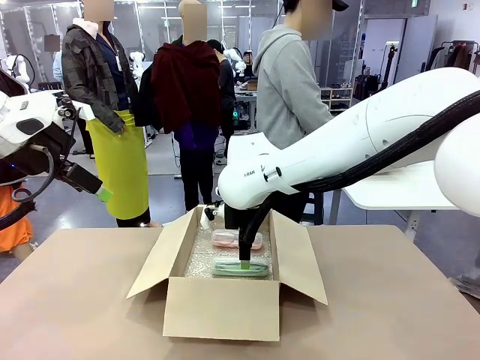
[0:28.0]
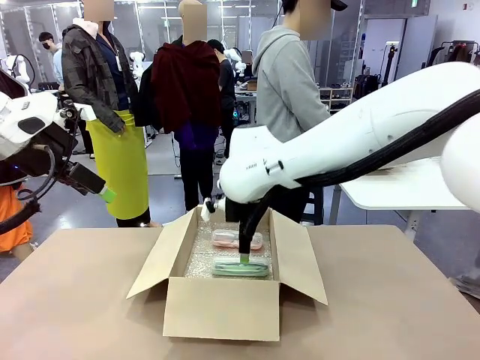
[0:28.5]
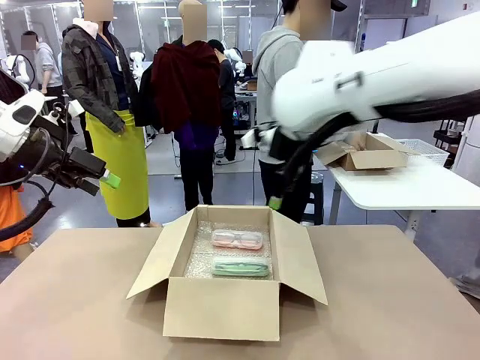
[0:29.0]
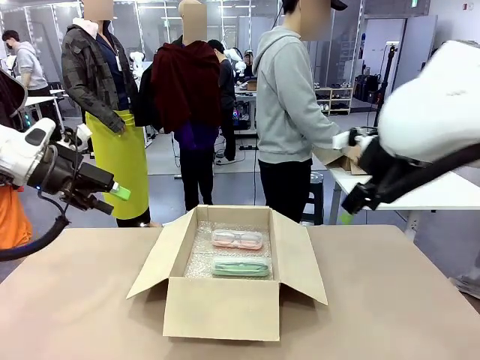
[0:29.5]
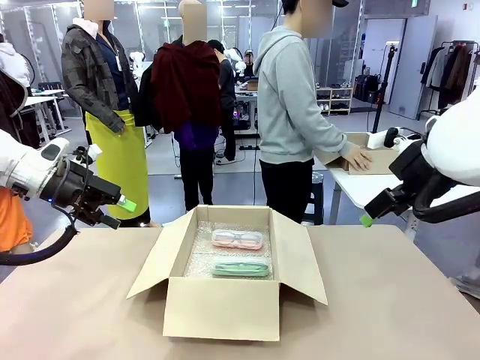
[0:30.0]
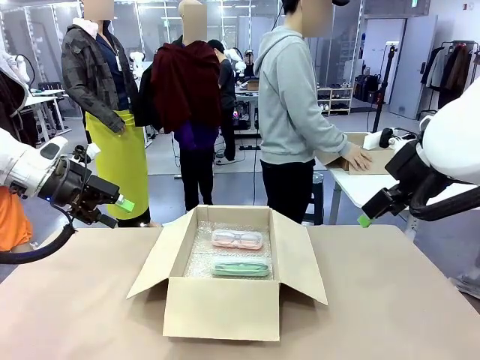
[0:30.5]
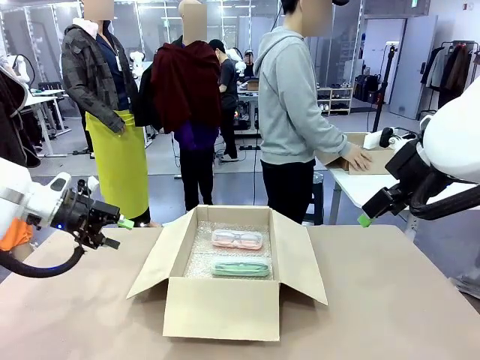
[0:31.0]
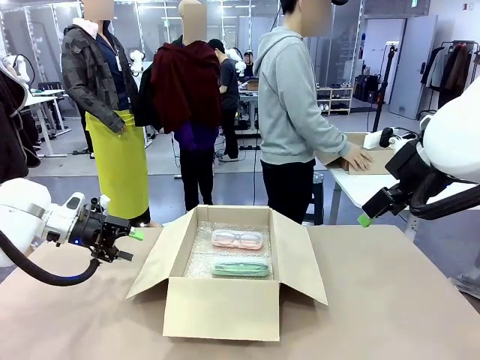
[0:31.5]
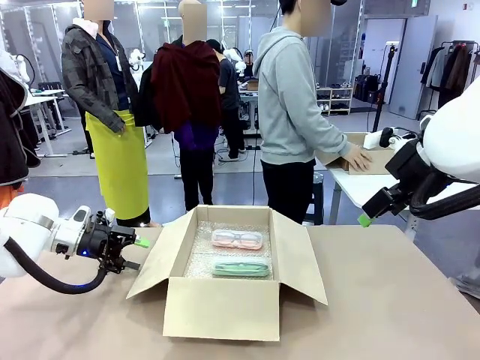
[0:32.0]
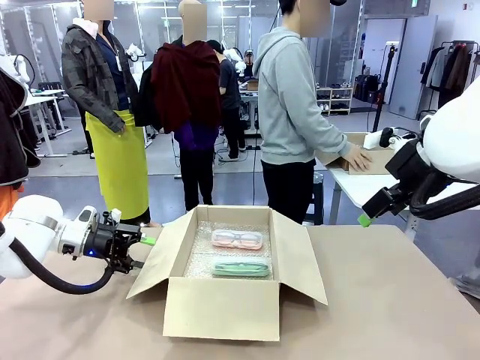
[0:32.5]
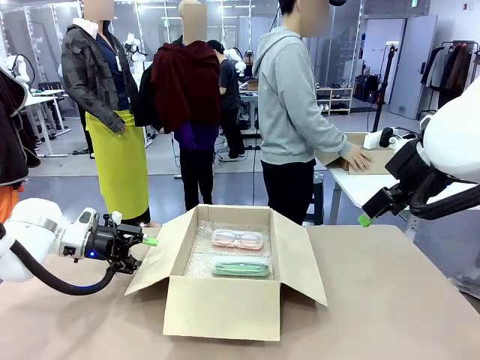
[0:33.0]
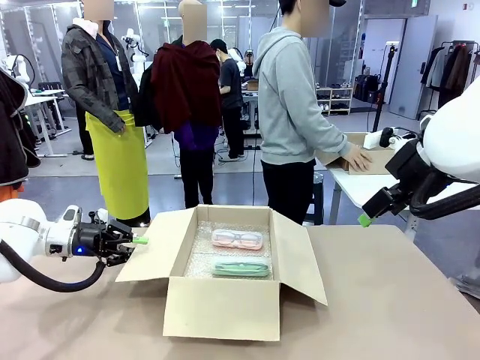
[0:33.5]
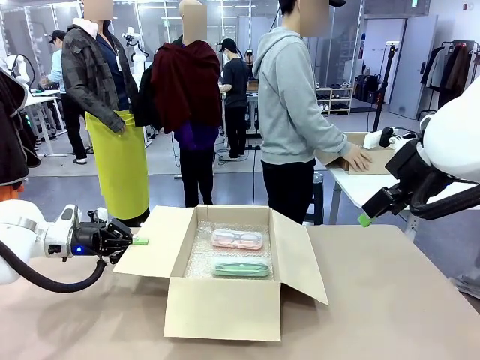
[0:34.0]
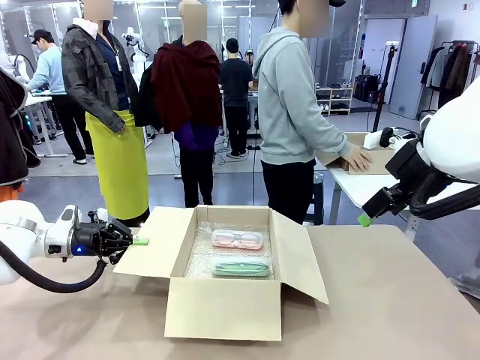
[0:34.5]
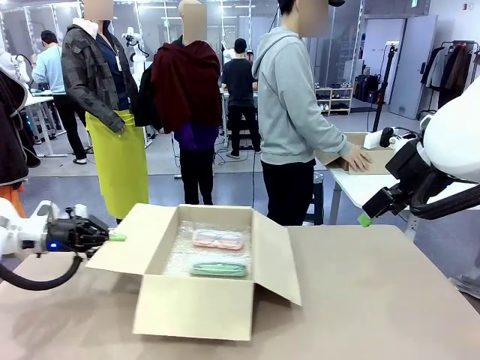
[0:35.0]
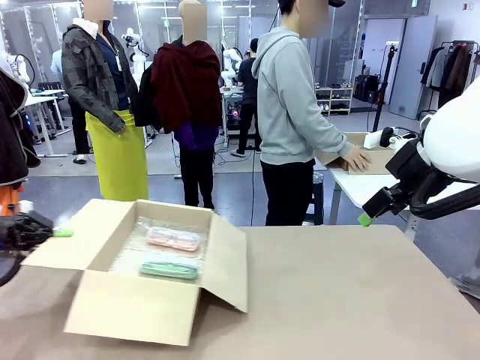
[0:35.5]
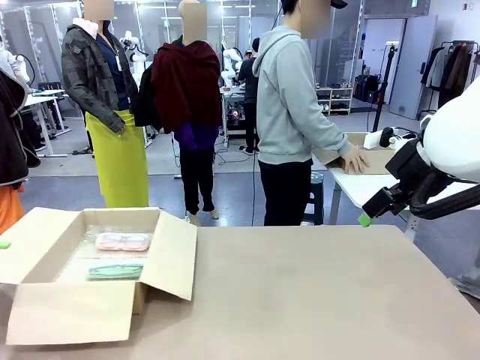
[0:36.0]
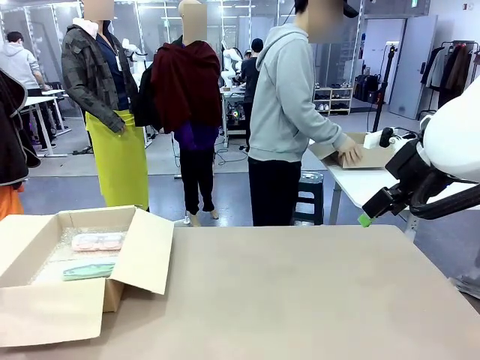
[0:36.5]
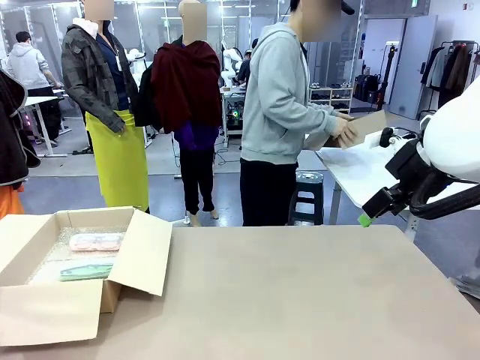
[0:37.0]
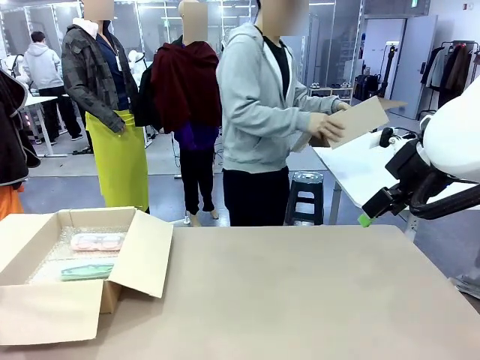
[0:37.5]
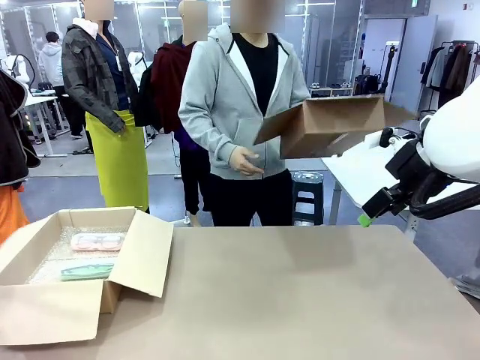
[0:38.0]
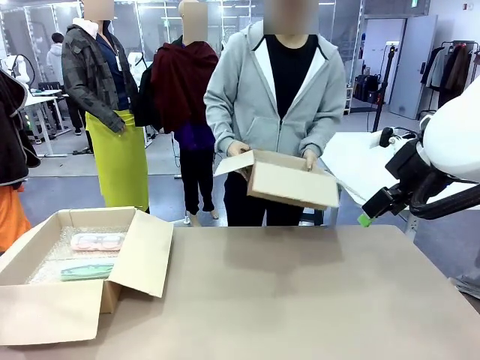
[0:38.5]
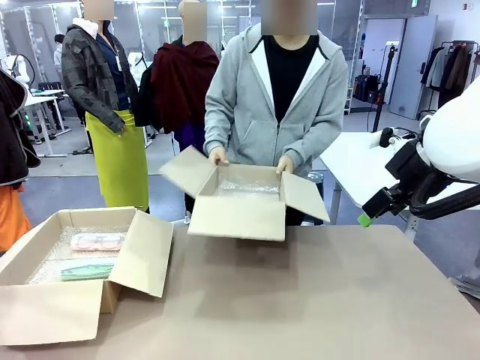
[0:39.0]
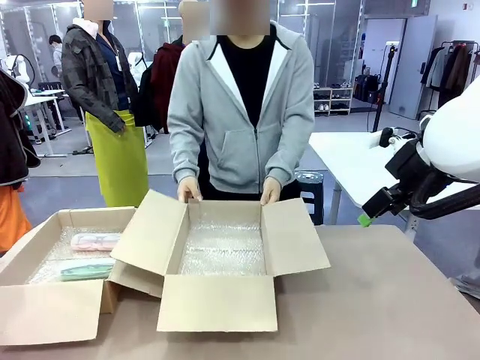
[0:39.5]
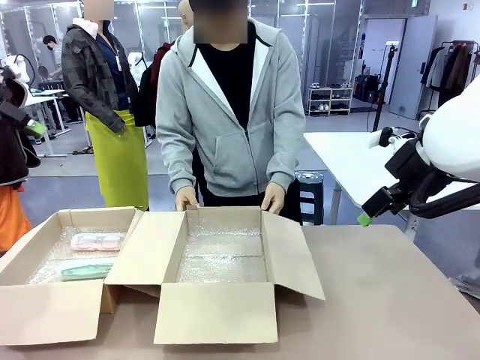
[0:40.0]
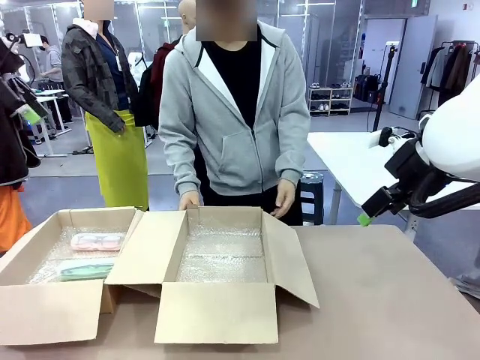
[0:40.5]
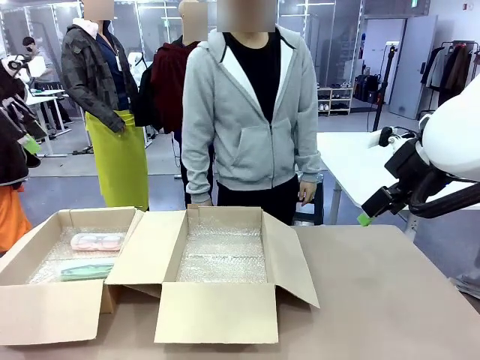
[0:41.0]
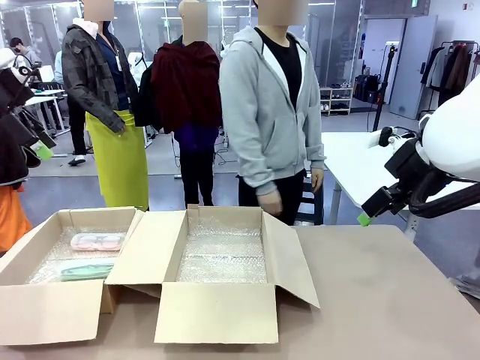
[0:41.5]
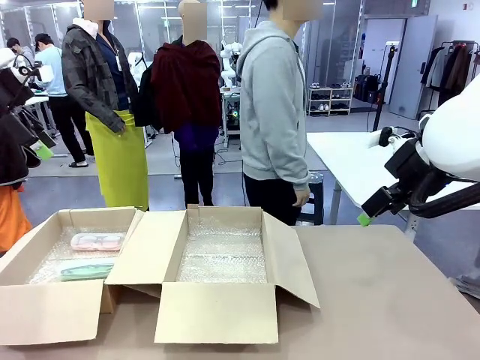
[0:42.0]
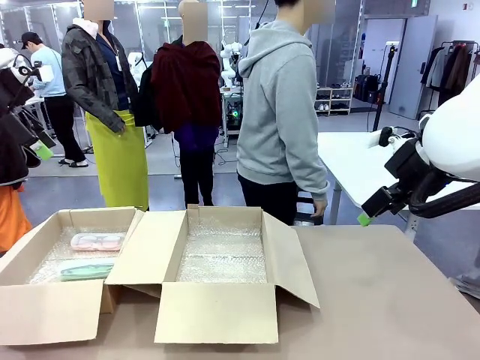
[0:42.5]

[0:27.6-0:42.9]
Task: Pack the glasses set securely to prepare it for shipping.
Robot: Position the Package Box on the left side of the table.
Person: Position the empty Package Box in the middle of the robot's table.

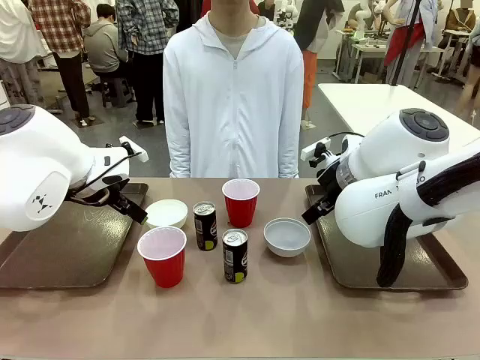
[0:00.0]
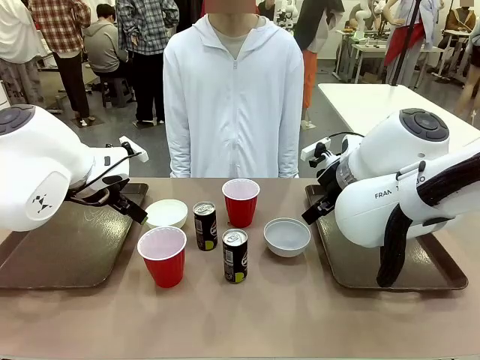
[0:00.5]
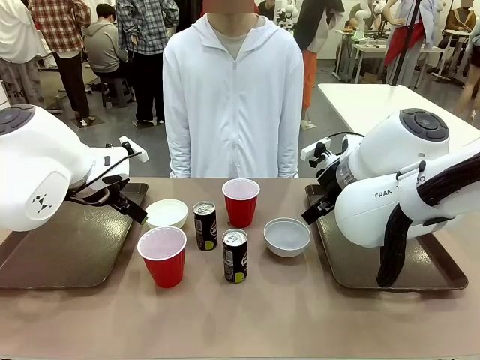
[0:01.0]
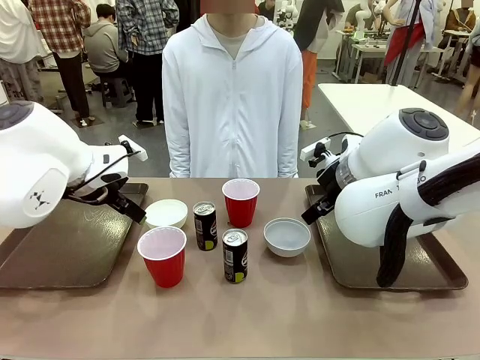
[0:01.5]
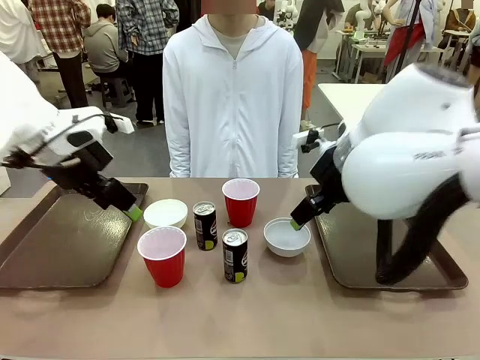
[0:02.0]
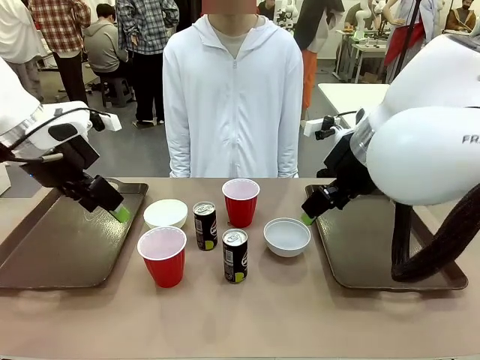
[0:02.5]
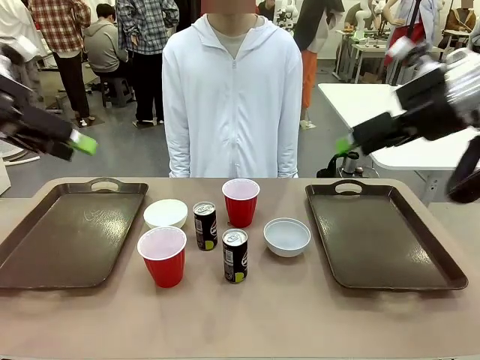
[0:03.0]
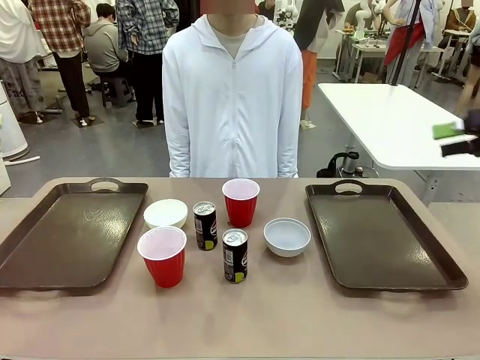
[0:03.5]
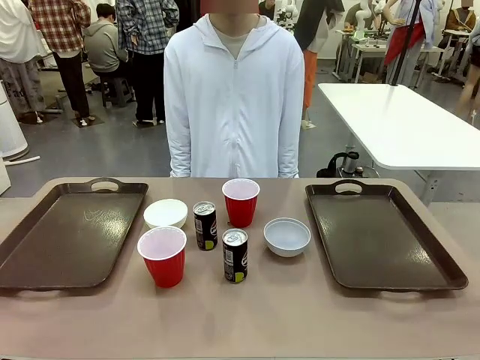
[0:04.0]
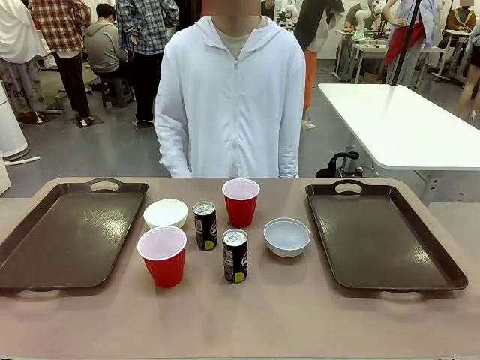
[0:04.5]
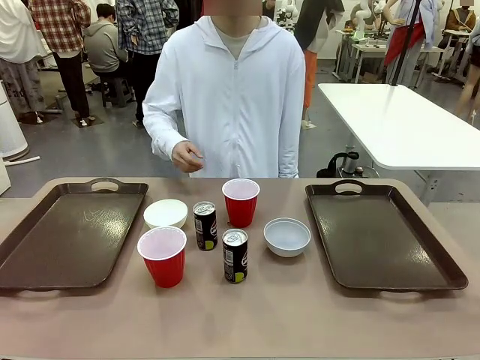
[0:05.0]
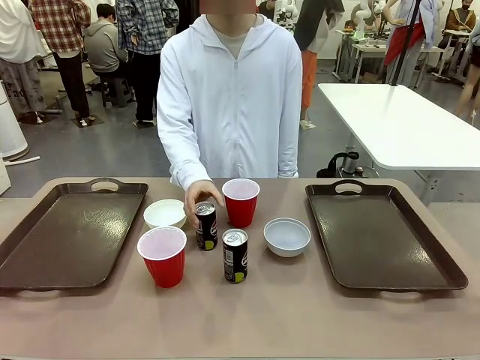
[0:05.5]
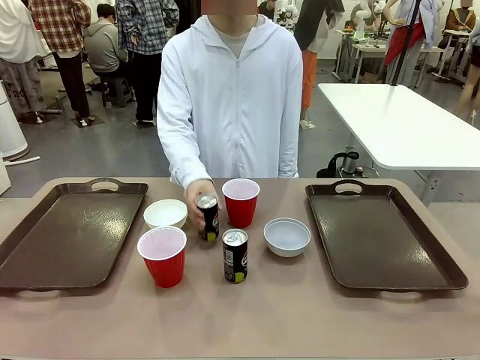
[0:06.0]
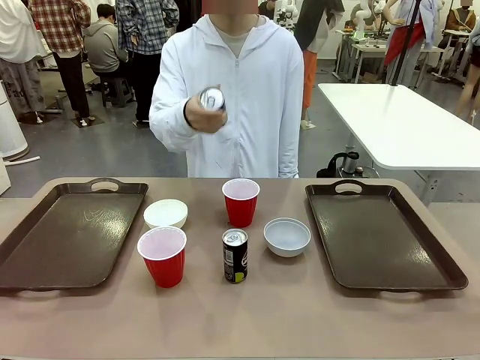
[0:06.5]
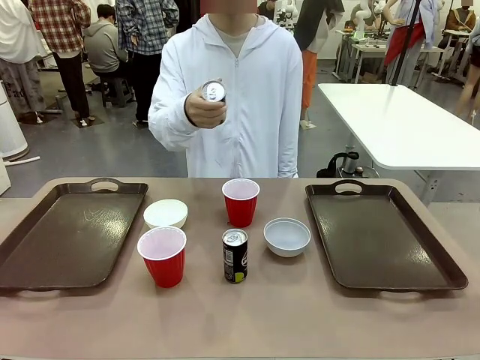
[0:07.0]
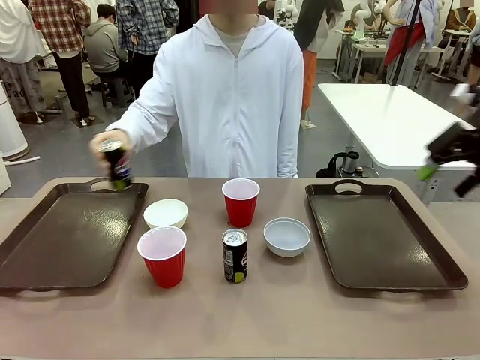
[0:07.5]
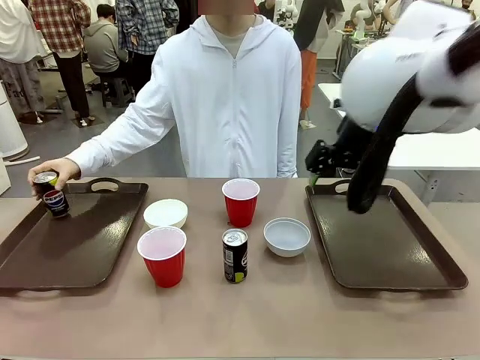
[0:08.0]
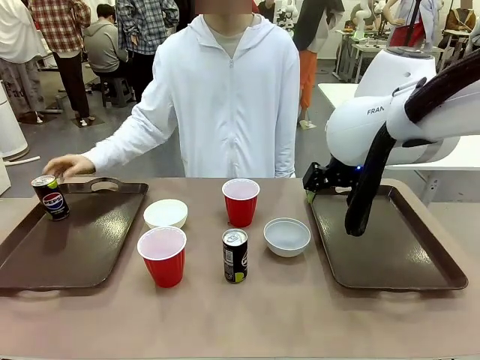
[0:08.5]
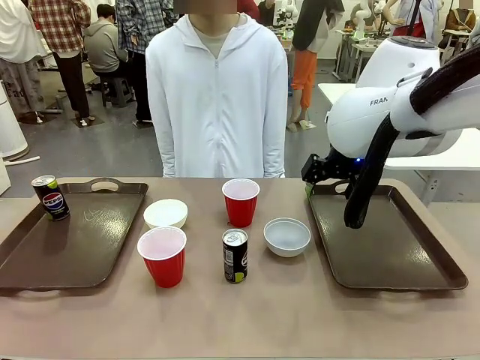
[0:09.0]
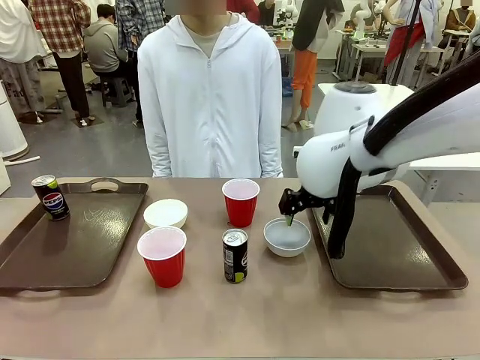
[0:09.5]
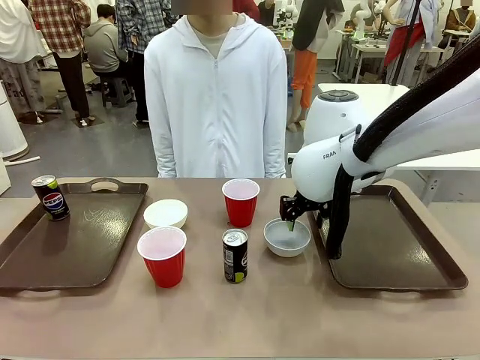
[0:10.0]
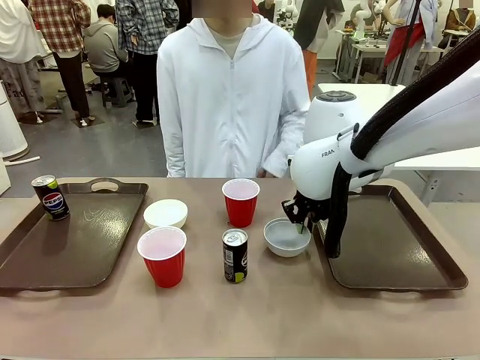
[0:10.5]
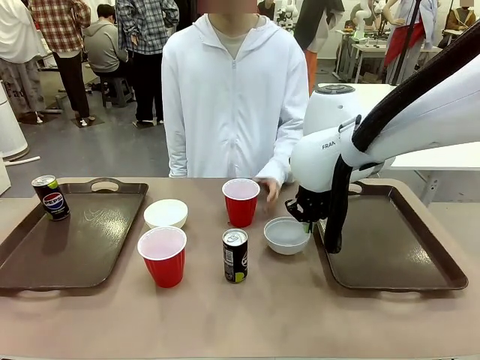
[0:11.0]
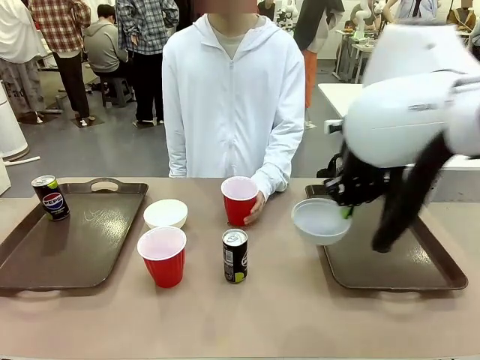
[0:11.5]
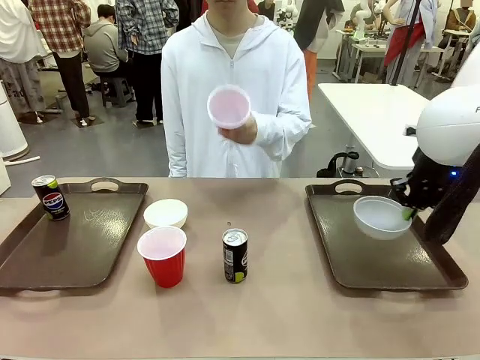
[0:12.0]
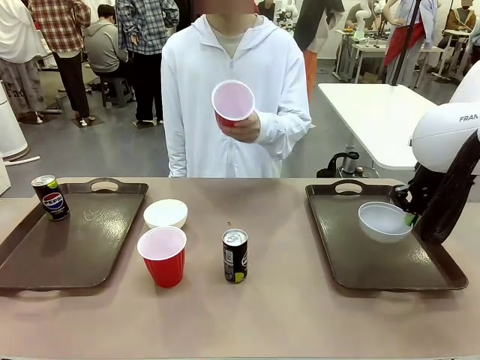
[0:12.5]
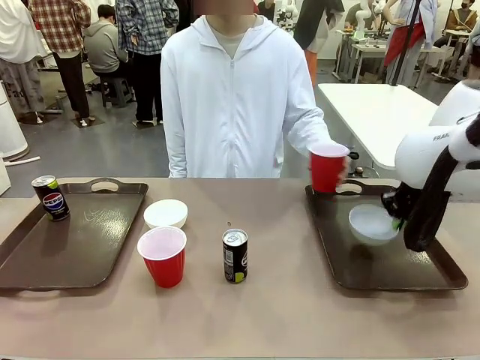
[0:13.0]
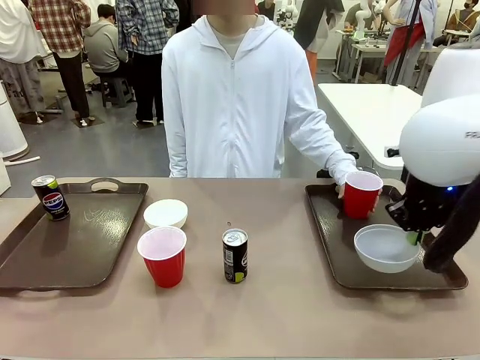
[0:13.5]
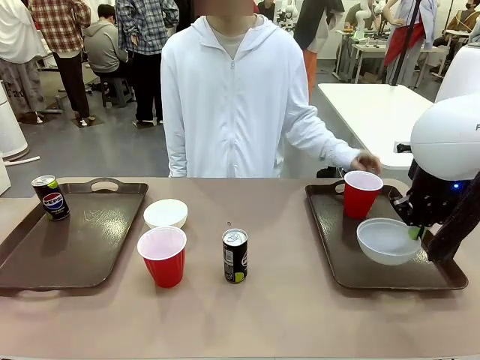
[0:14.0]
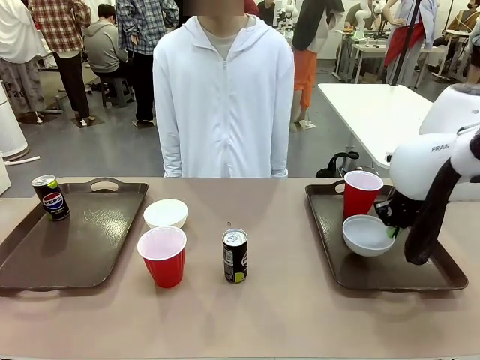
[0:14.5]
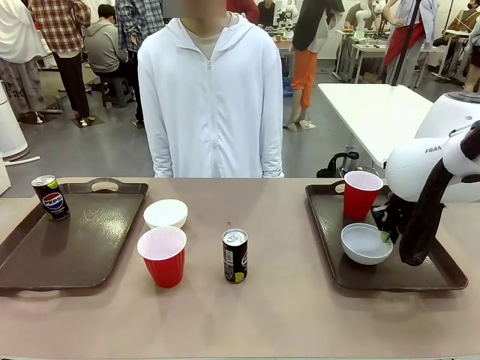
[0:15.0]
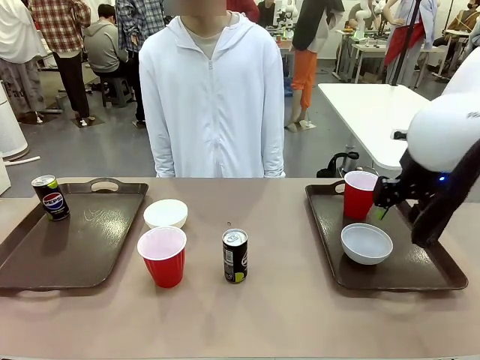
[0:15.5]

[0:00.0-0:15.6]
Task: Prepare tableware on both trays.
Robot: Pick up a Picnic Bowl from the table and place it on a Handle tray.
Person: Pick up a can or cup and place it on the tray.
